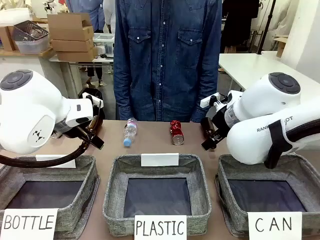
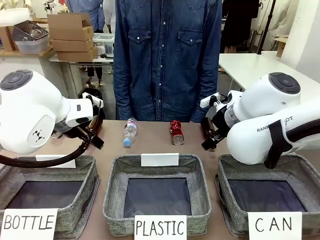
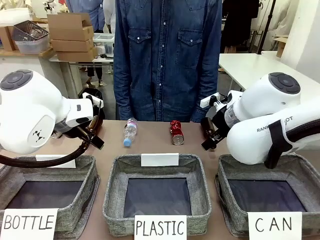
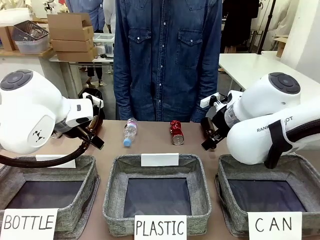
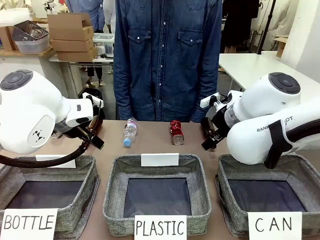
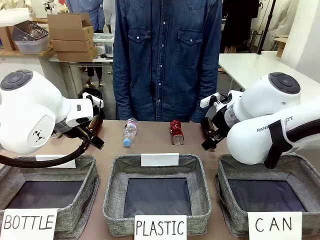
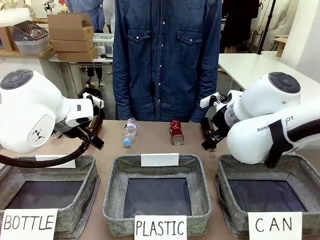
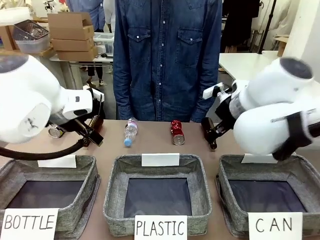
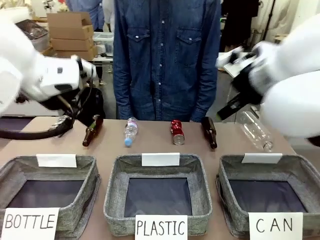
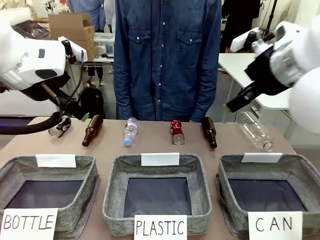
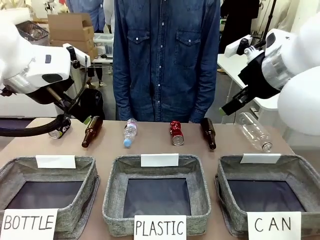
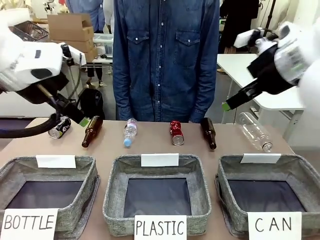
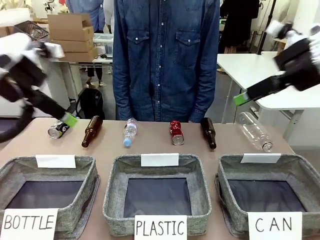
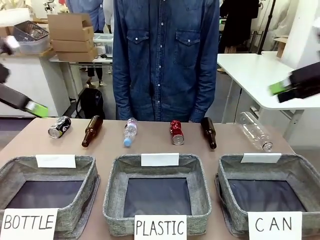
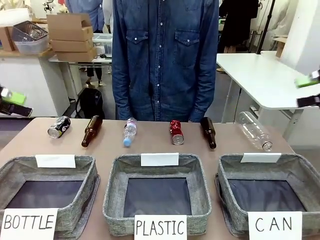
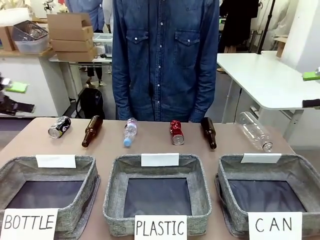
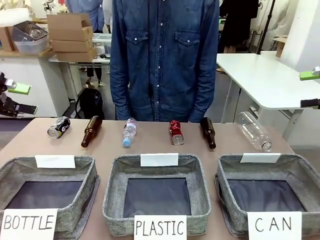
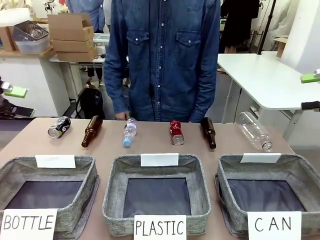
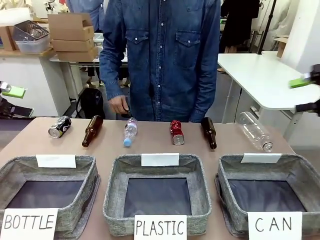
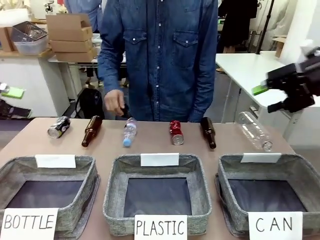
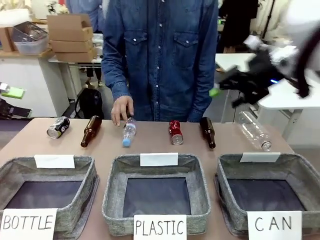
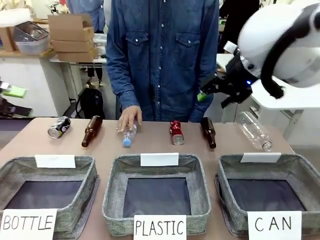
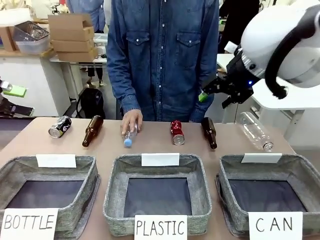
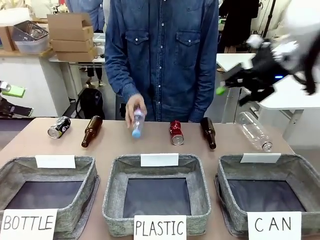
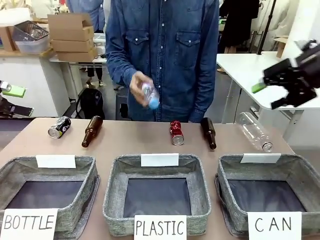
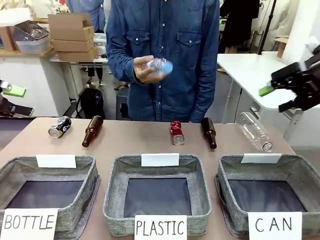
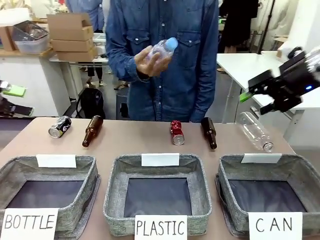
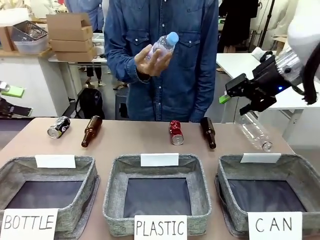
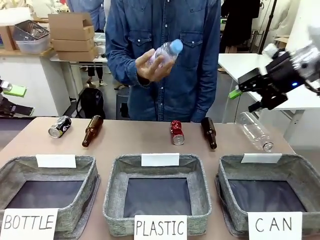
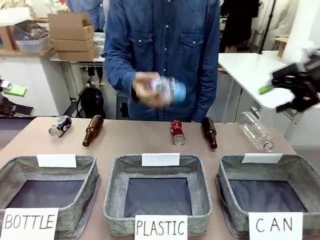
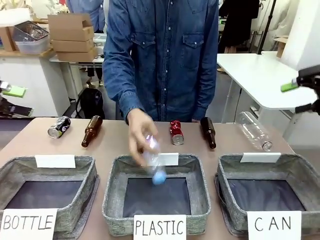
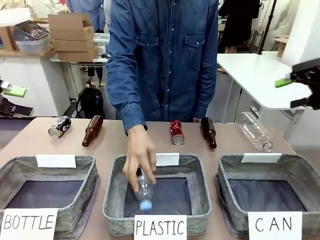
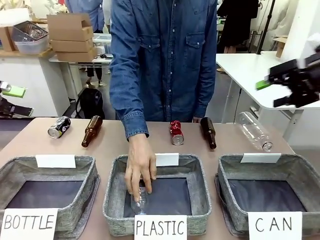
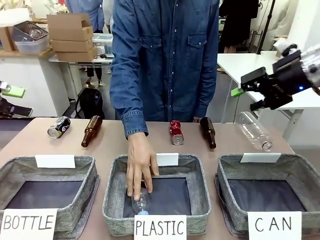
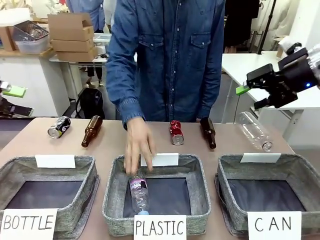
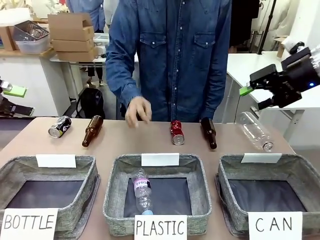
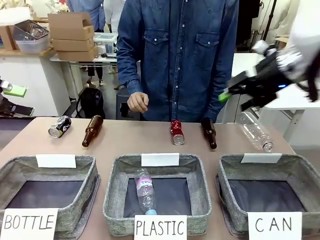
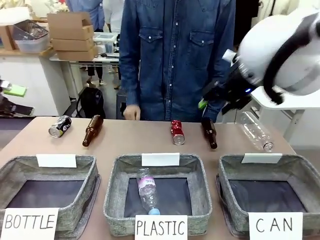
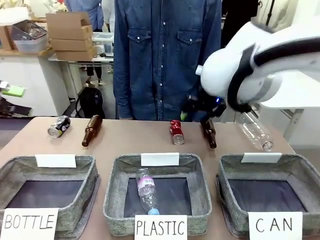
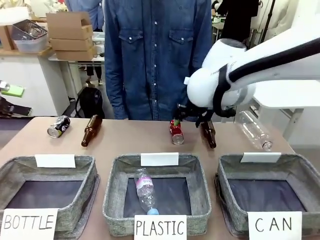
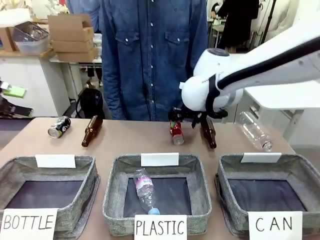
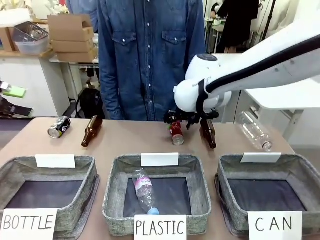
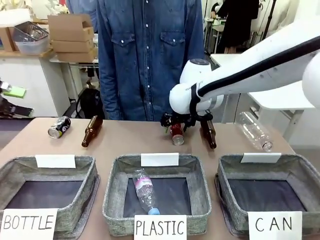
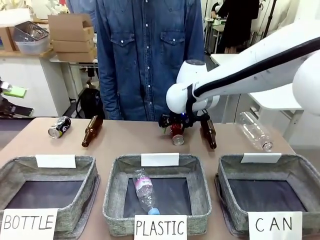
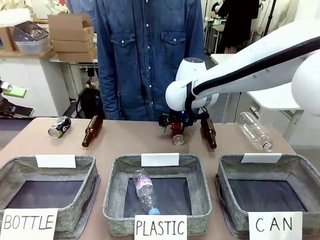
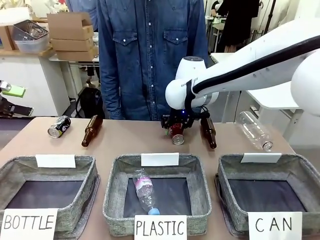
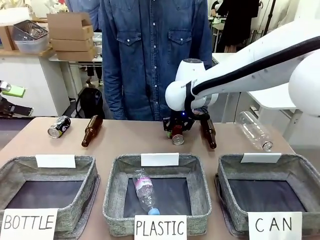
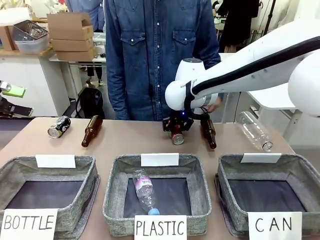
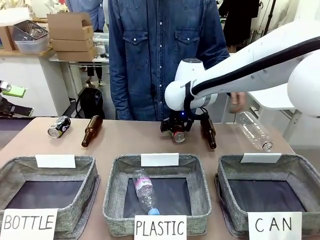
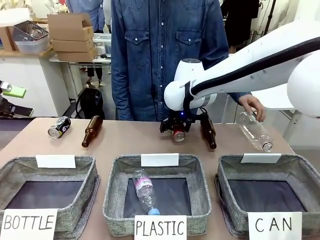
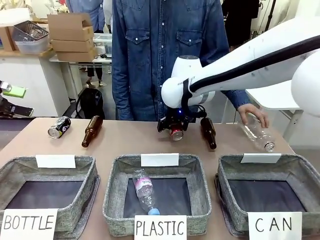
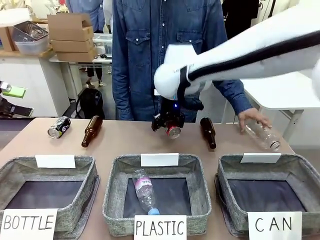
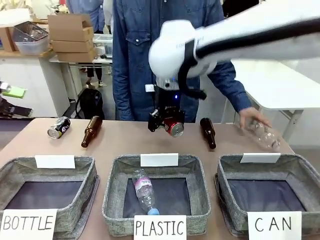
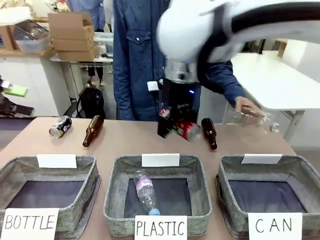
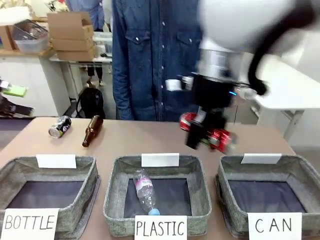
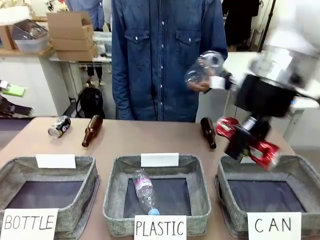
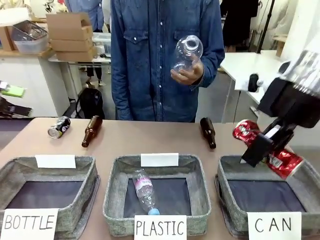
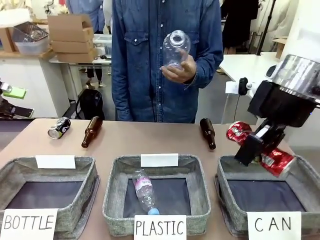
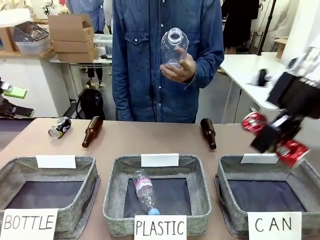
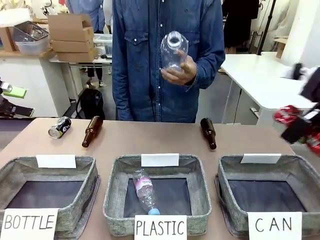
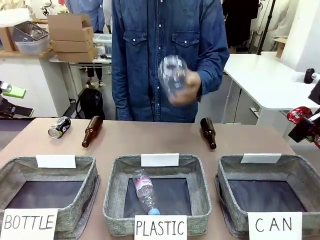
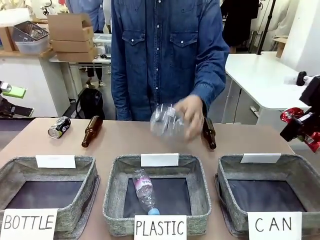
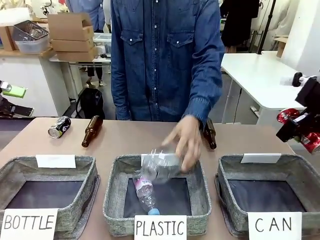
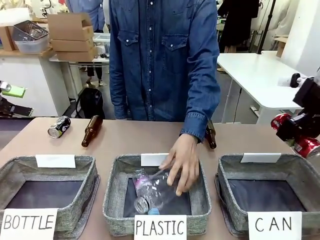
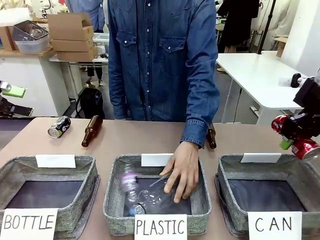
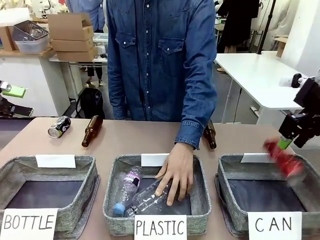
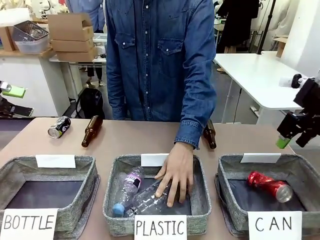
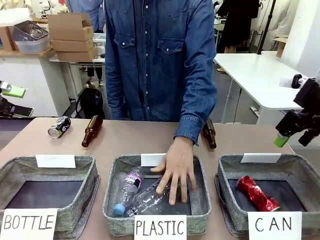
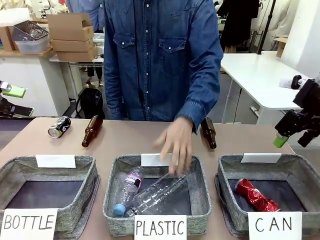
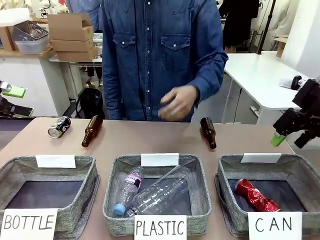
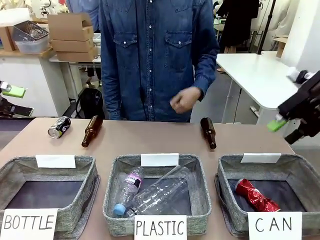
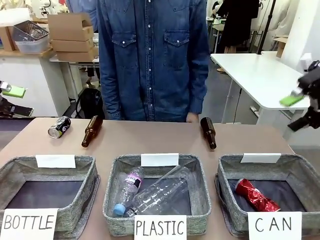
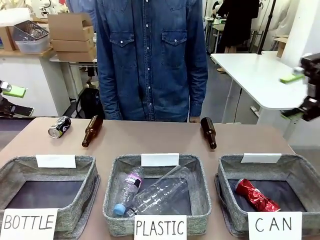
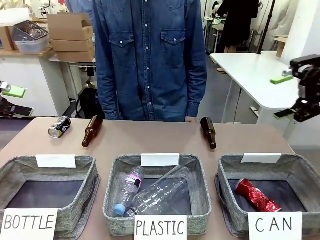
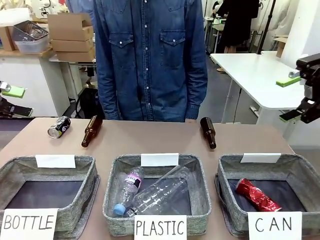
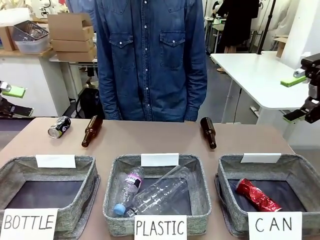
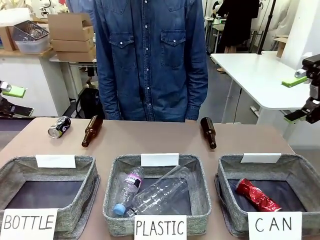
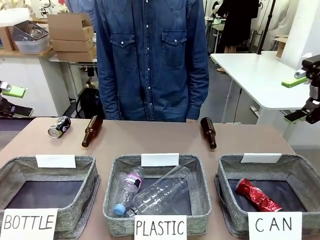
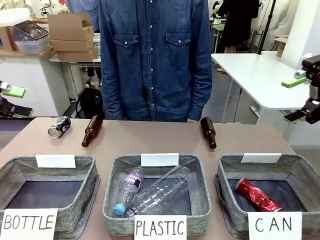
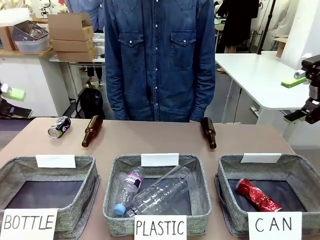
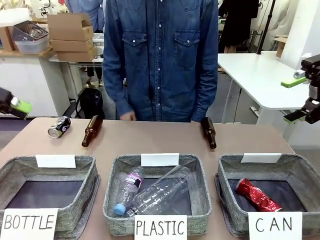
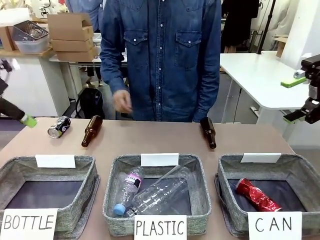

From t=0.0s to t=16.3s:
Task: Sort the can waste into the basket.
Robot: Pick up the can waste from the table and place it in the right Fabric basket.
